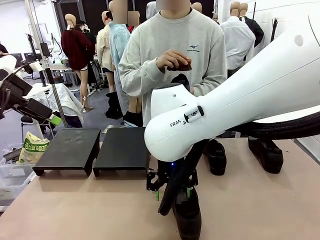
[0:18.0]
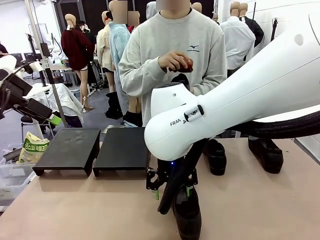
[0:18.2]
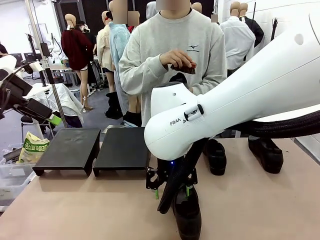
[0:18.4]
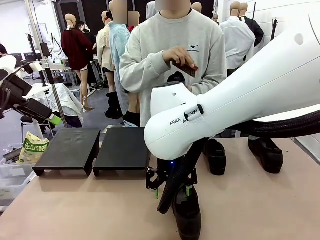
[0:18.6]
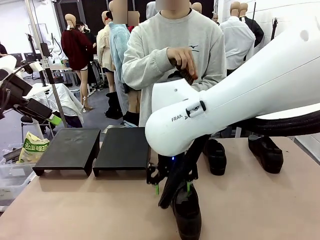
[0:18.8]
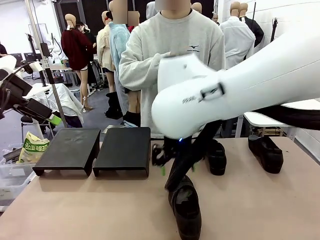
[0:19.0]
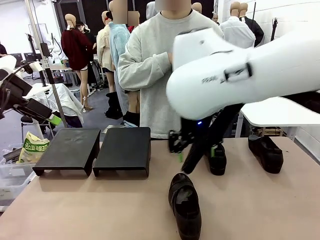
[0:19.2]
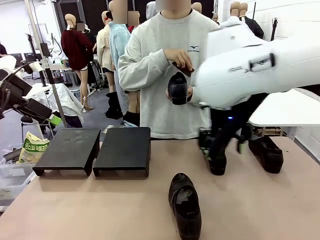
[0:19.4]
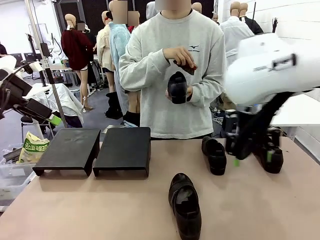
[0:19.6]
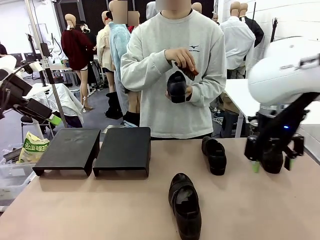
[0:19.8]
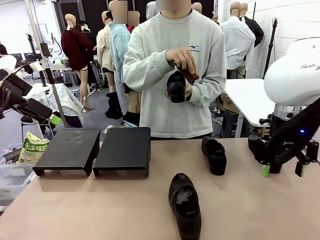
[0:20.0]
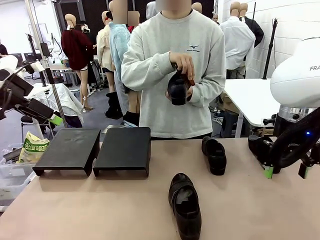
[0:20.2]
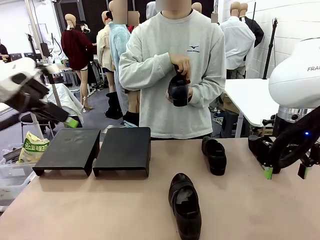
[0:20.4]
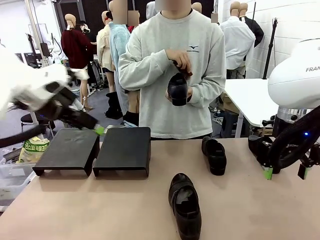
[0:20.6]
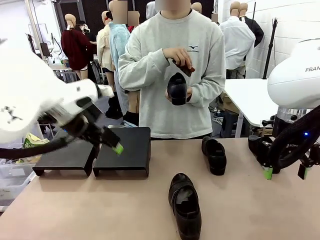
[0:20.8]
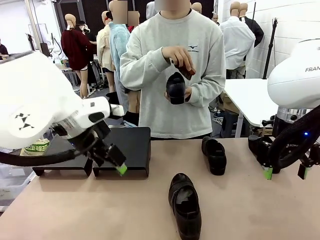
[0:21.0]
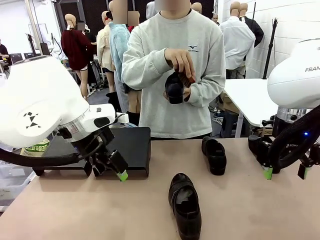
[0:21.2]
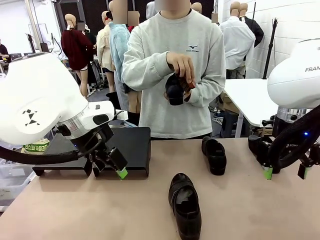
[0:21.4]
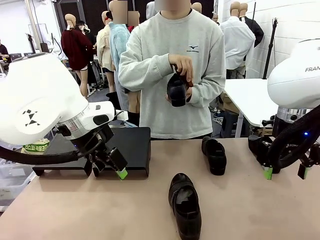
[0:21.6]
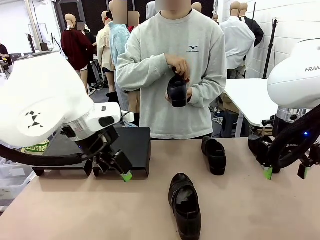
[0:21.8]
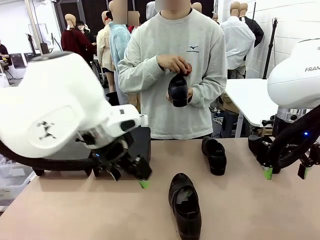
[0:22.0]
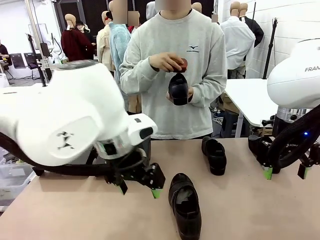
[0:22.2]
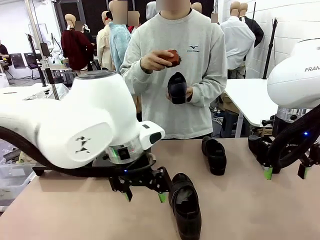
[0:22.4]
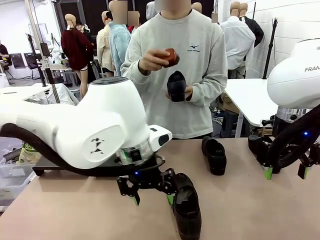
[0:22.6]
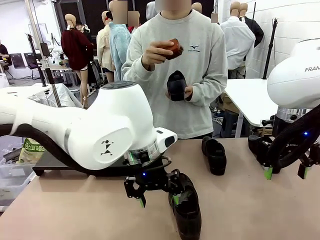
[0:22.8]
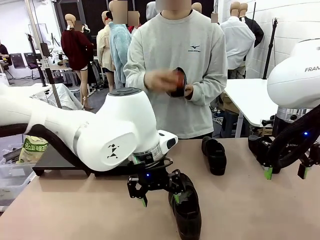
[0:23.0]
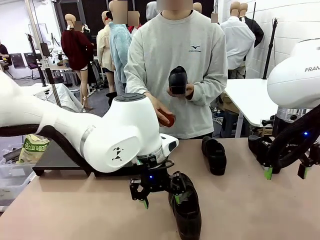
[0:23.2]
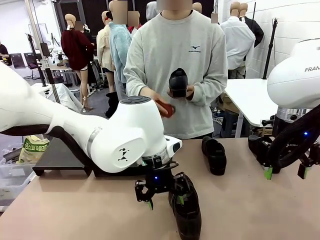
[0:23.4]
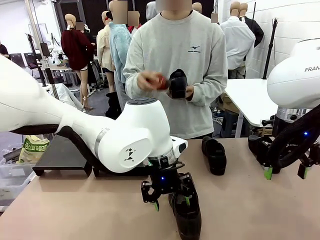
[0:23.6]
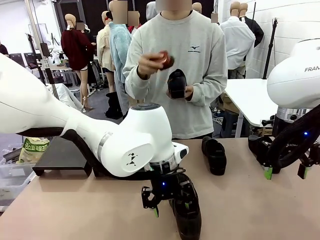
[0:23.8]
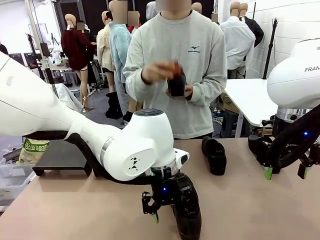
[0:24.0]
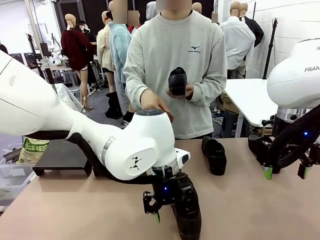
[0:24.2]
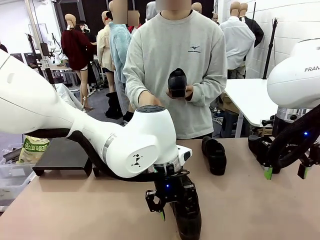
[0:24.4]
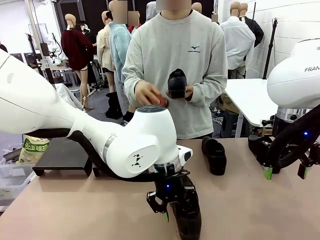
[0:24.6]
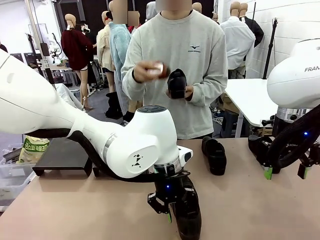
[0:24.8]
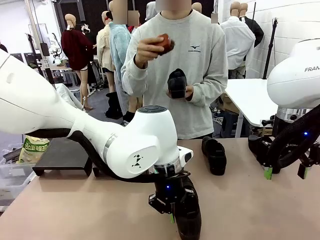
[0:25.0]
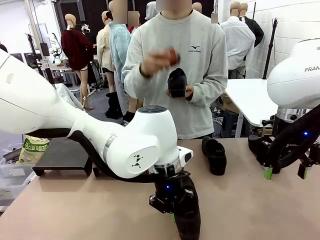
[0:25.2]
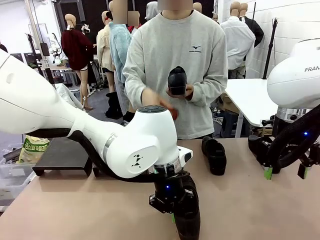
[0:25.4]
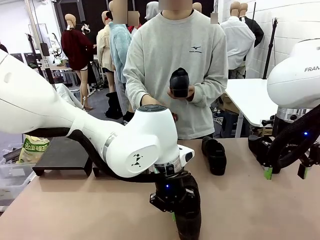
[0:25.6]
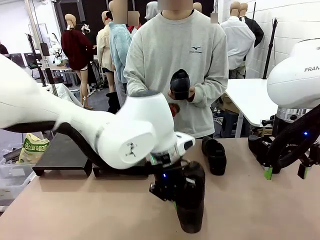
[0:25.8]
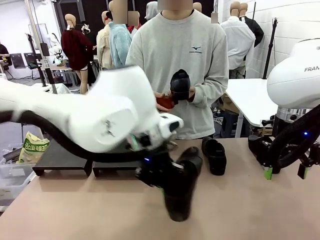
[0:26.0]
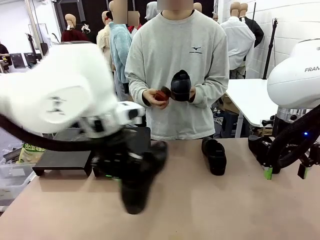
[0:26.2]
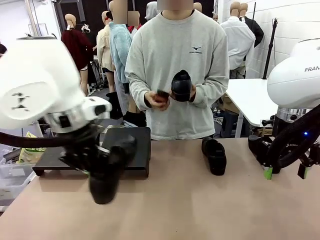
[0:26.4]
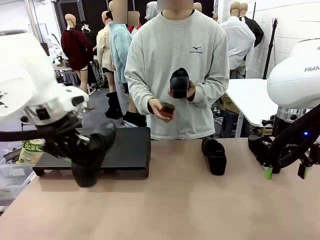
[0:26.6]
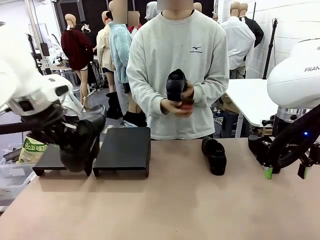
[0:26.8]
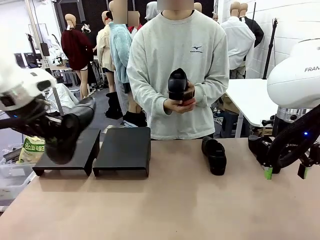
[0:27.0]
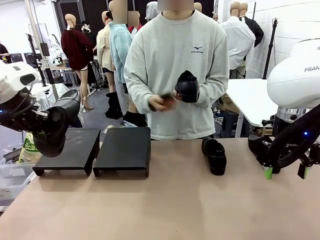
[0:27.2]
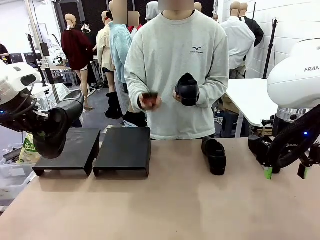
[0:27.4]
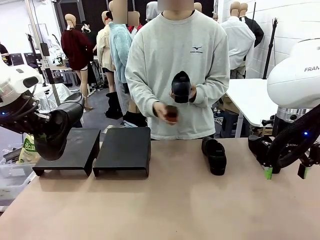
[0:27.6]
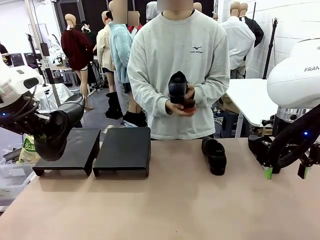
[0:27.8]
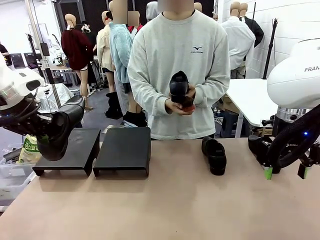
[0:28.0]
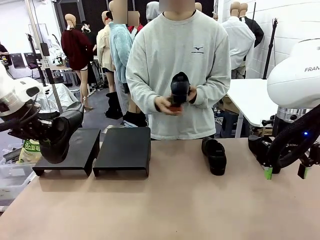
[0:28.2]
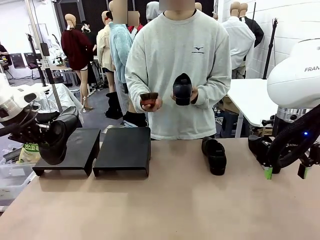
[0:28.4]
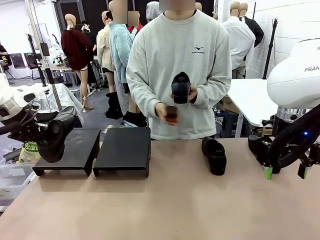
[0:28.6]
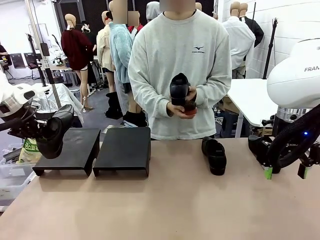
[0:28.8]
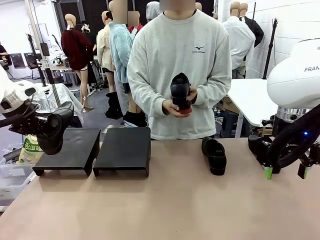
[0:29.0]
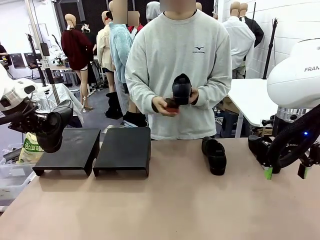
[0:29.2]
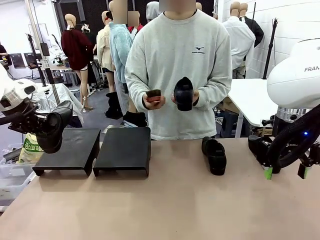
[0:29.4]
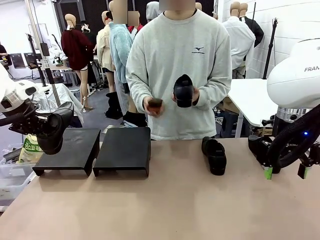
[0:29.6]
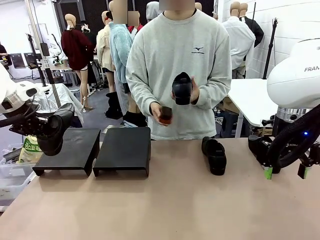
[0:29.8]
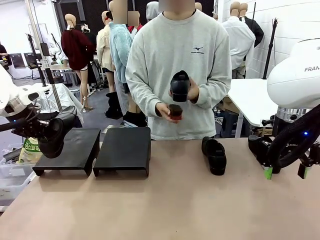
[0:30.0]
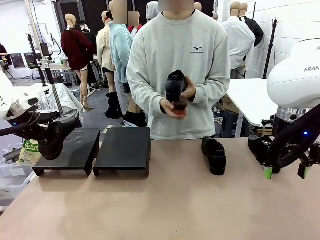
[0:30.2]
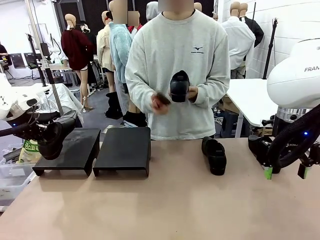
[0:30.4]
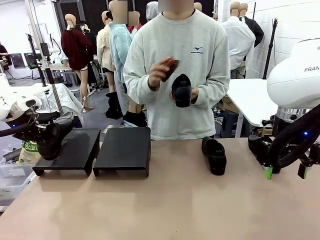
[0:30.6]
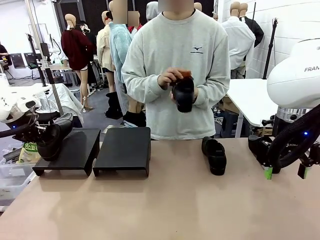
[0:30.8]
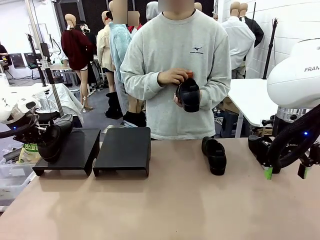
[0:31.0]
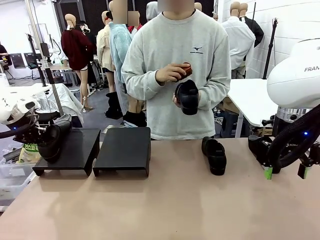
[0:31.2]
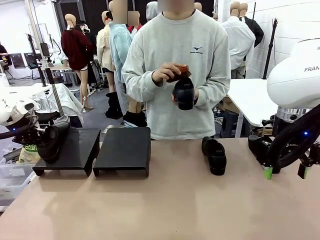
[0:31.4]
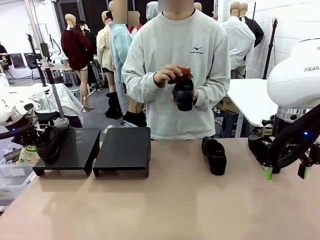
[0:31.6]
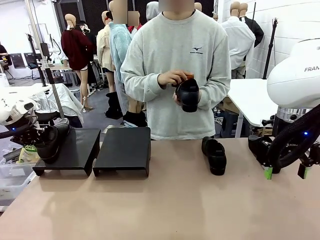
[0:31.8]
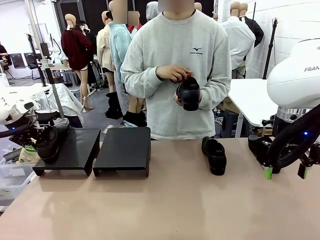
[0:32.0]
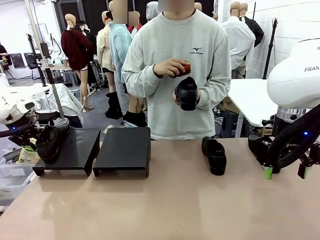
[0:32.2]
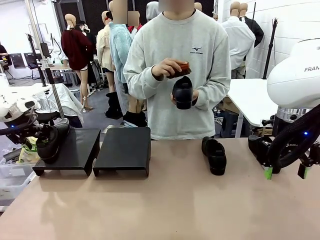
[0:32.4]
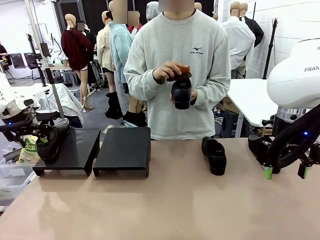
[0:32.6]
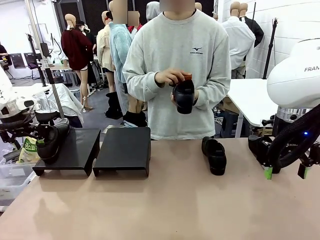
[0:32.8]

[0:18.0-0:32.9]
Task: Organize the shoes by placing them on the stand.
Robot: Place the Shoe from the middle of the table onto the Shoes Stand.
Person: Clean the Shoe with the Shoe Brush.

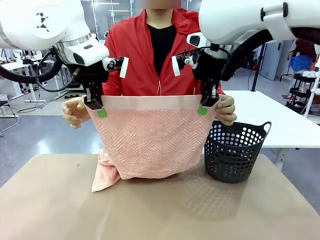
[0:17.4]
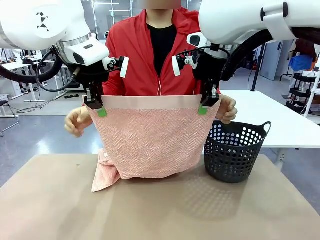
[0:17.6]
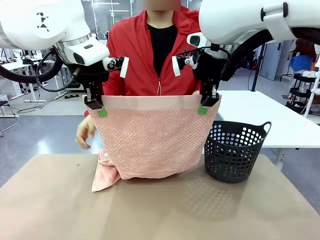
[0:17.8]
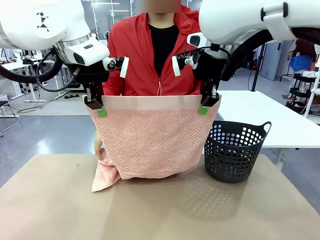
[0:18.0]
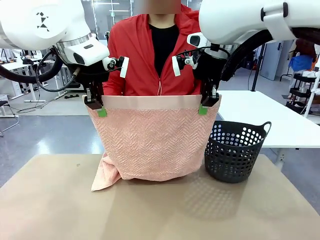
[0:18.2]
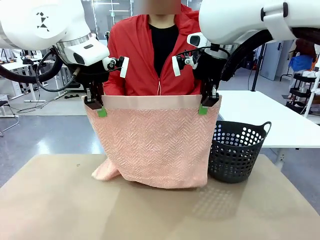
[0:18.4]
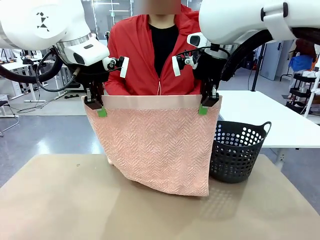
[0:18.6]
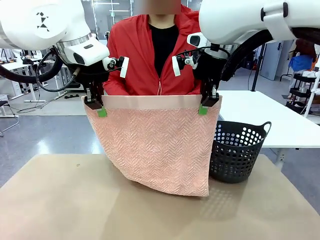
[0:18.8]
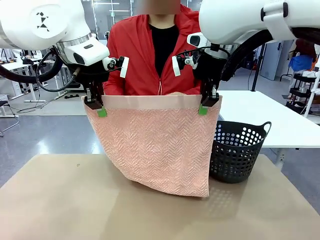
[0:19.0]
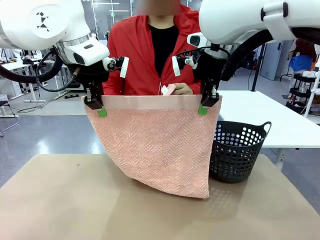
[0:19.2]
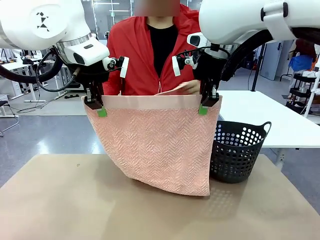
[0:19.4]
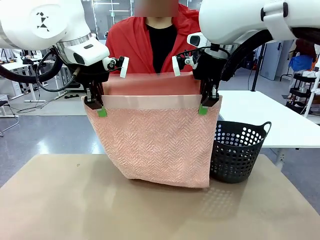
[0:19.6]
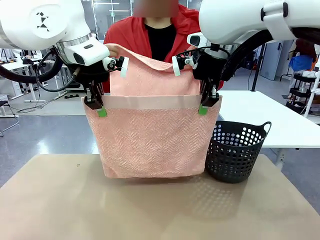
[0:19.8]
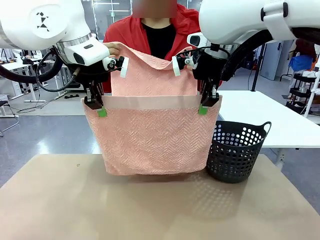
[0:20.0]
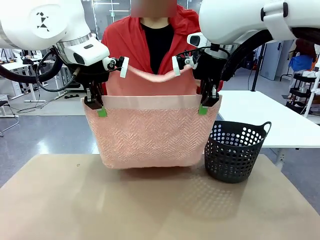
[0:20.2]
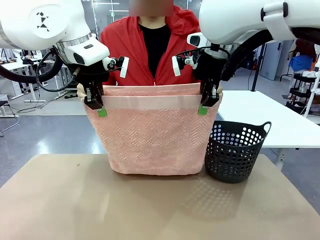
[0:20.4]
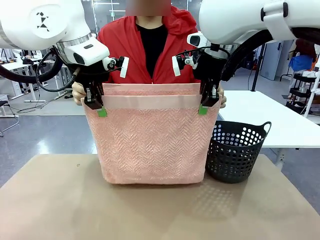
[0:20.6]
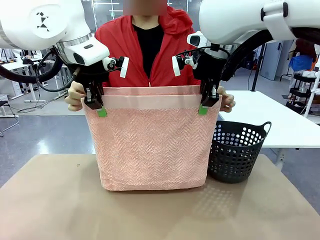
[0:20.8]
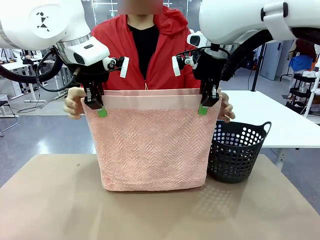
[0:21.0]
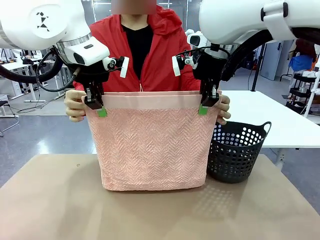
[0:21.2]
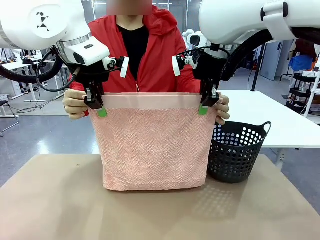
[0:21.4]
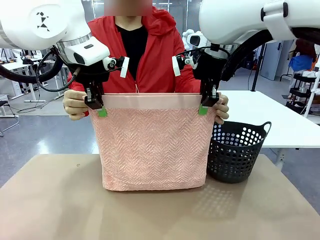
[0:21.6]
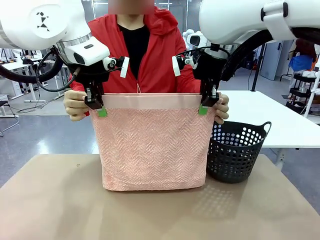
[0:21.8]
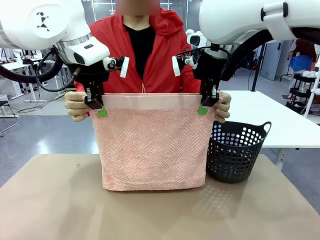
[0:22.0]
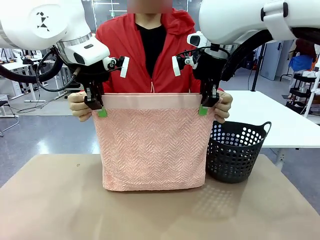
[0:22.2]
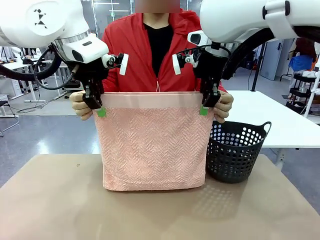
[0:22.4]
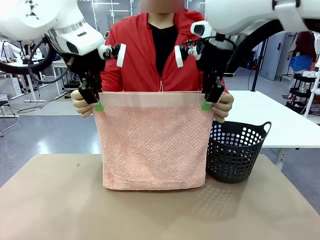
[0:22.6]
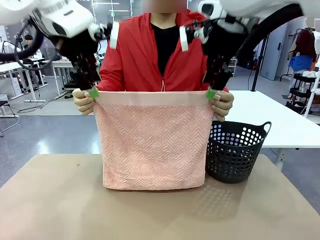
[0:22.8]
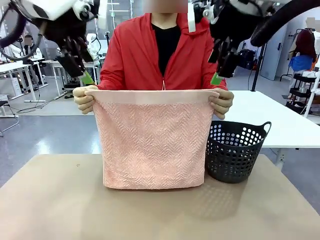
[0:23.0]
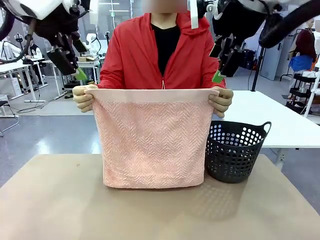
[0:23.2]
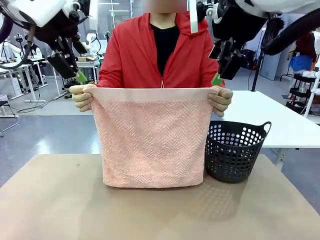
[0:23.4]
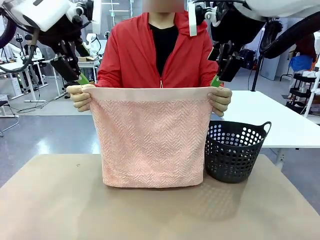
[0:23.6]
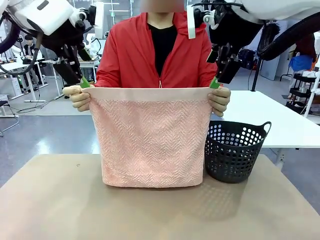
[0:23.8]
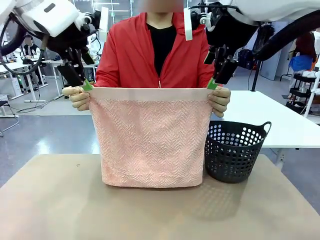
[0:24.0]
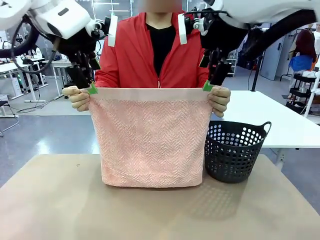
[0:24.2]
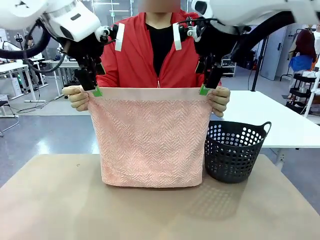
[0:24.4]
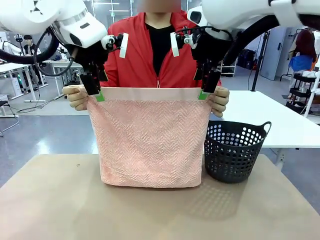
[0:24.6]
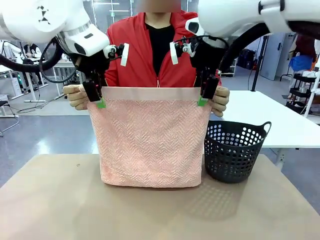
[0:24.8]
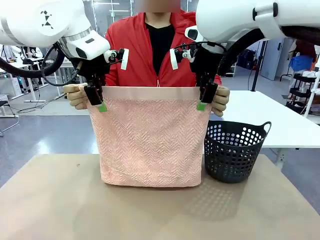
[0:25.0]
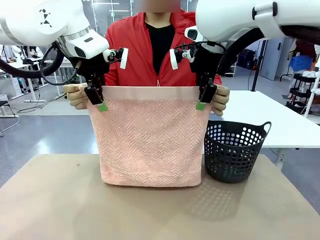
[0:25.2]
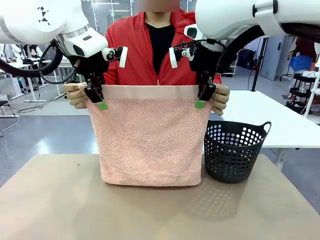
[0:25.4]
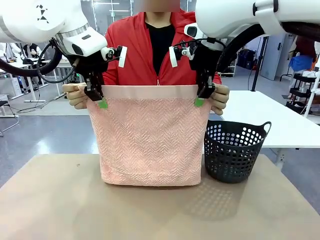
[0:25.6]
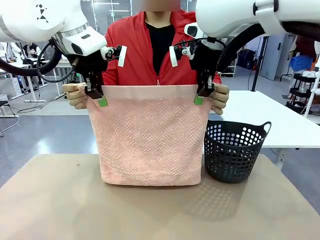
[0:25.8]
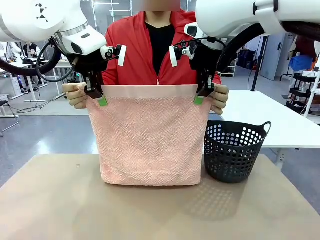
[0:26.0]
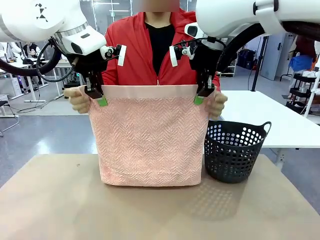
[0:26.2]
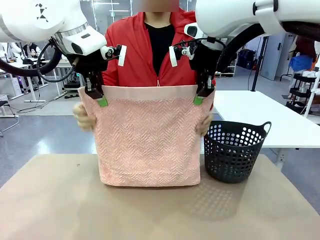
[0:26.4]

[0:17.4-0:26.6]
Task: Fold the towel.
Robot: Release the end of the 100 cm Hotel Towel you were holding and grab the top end of the folded side.
